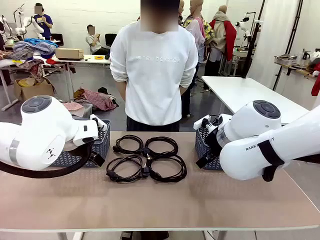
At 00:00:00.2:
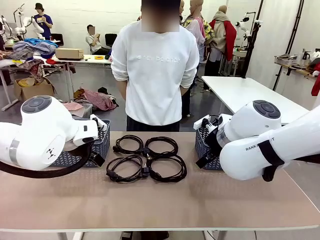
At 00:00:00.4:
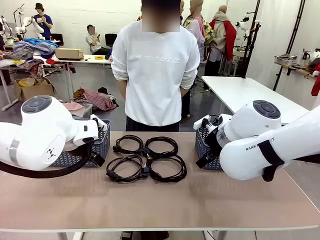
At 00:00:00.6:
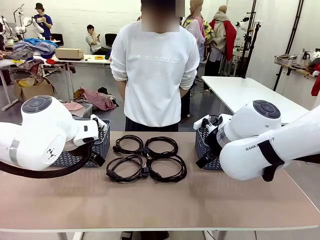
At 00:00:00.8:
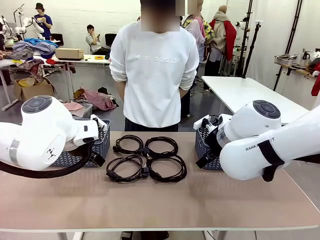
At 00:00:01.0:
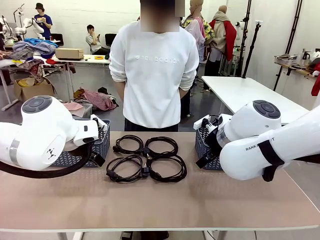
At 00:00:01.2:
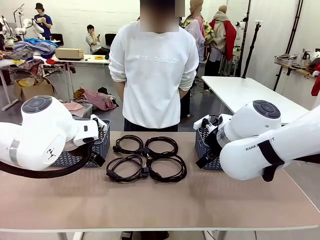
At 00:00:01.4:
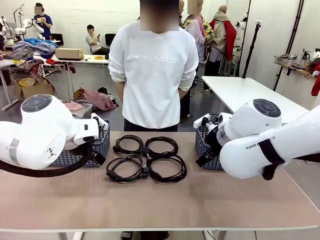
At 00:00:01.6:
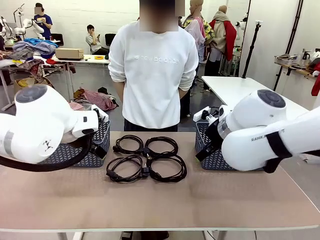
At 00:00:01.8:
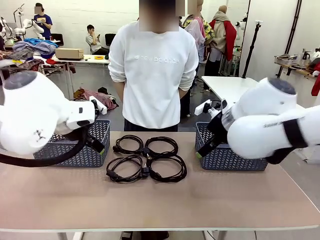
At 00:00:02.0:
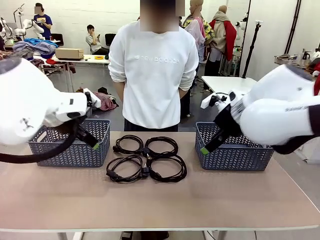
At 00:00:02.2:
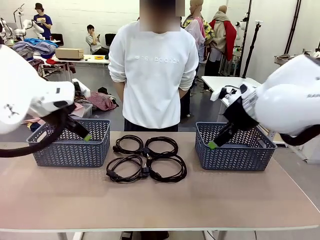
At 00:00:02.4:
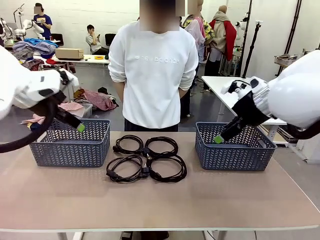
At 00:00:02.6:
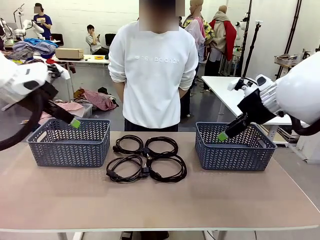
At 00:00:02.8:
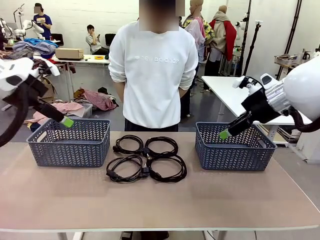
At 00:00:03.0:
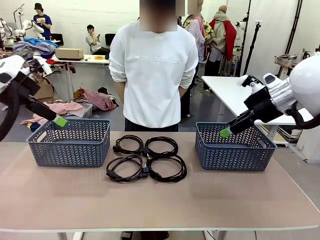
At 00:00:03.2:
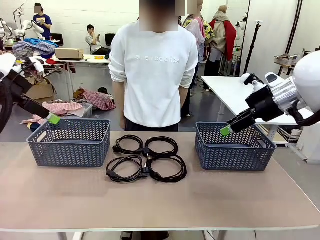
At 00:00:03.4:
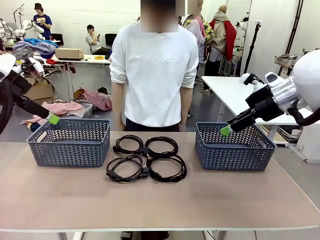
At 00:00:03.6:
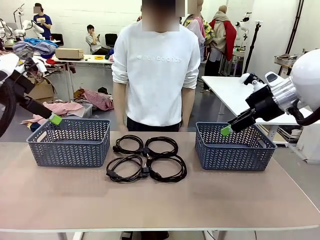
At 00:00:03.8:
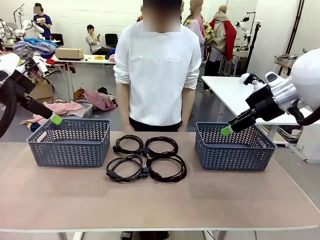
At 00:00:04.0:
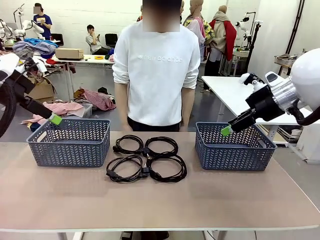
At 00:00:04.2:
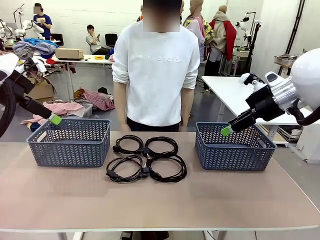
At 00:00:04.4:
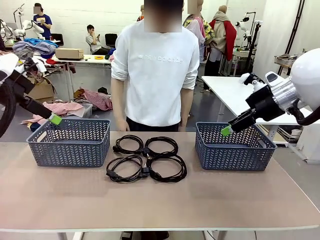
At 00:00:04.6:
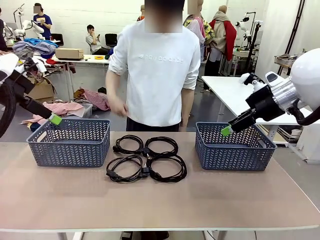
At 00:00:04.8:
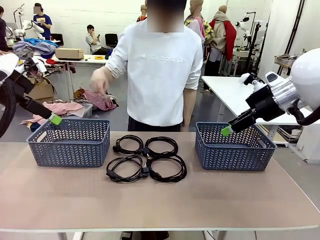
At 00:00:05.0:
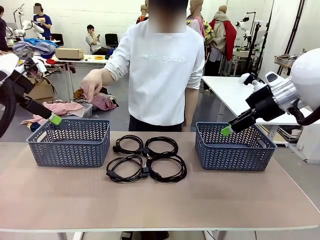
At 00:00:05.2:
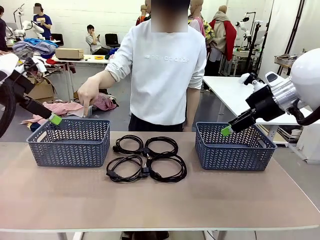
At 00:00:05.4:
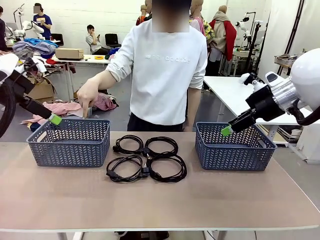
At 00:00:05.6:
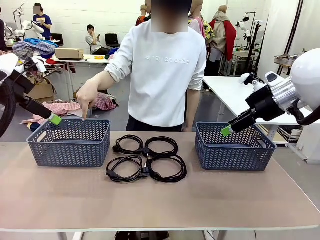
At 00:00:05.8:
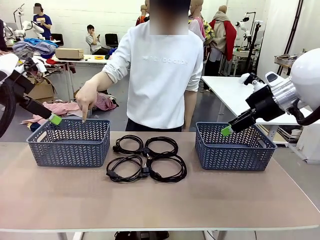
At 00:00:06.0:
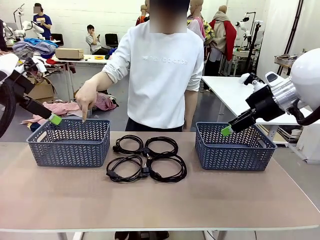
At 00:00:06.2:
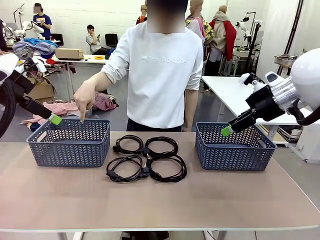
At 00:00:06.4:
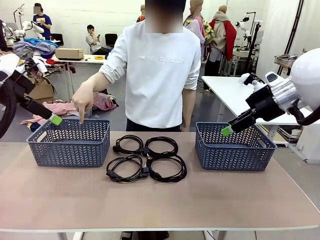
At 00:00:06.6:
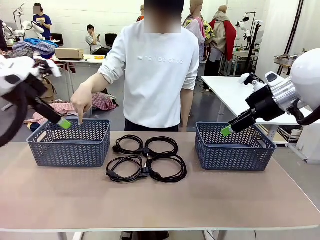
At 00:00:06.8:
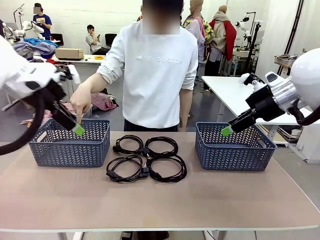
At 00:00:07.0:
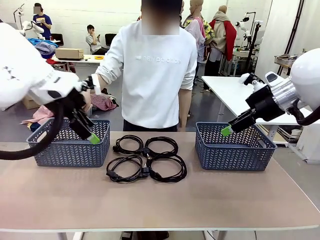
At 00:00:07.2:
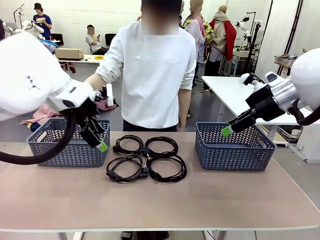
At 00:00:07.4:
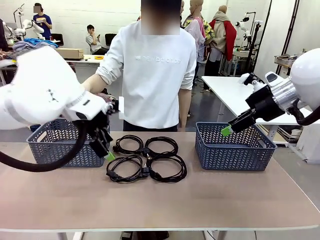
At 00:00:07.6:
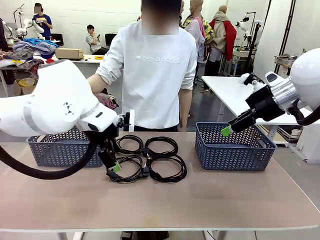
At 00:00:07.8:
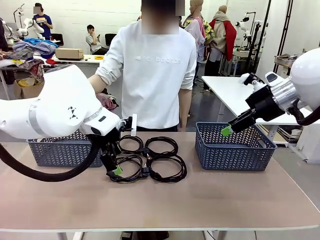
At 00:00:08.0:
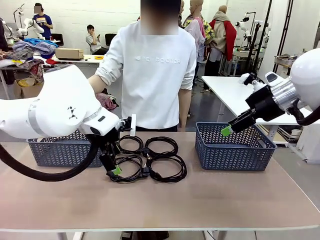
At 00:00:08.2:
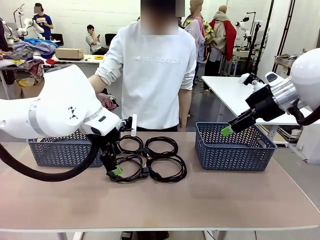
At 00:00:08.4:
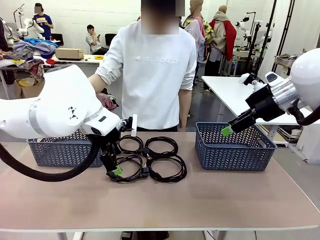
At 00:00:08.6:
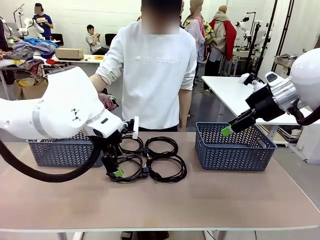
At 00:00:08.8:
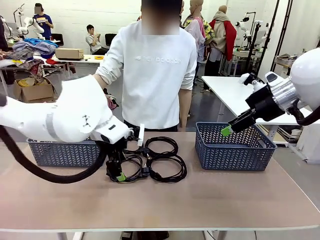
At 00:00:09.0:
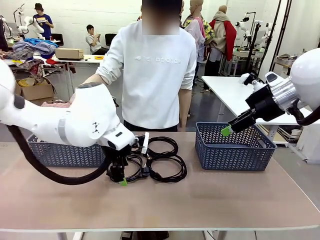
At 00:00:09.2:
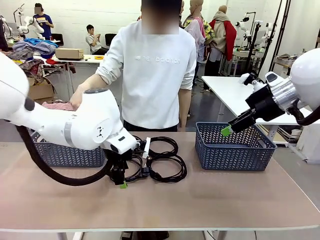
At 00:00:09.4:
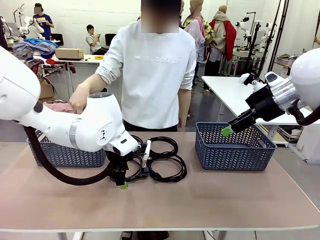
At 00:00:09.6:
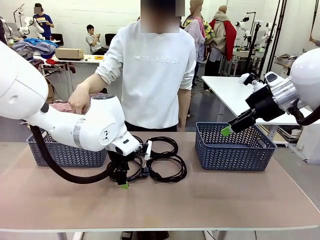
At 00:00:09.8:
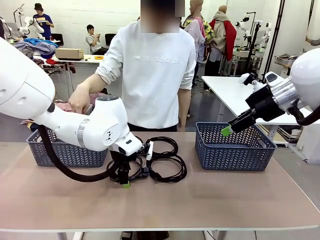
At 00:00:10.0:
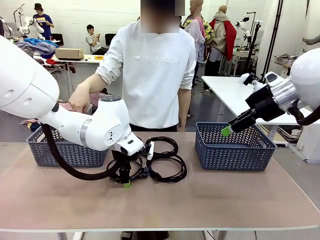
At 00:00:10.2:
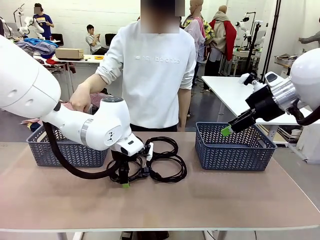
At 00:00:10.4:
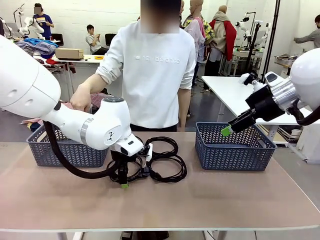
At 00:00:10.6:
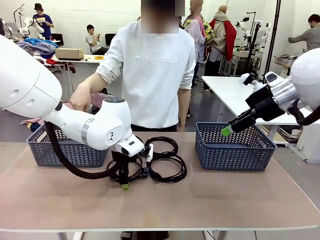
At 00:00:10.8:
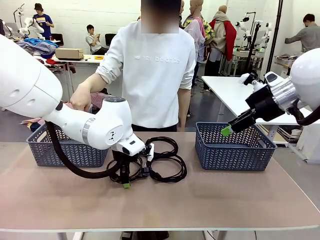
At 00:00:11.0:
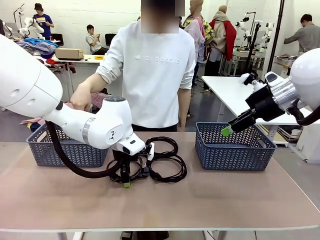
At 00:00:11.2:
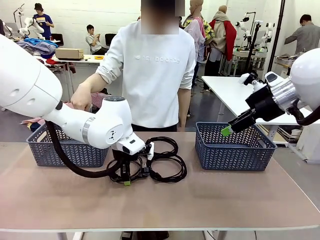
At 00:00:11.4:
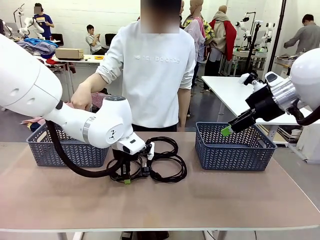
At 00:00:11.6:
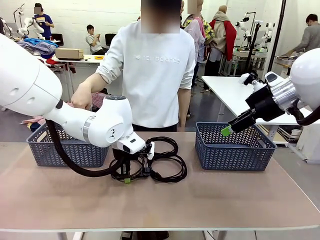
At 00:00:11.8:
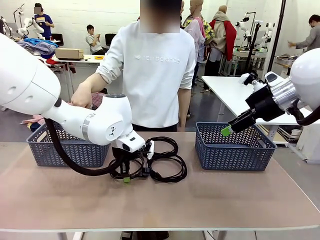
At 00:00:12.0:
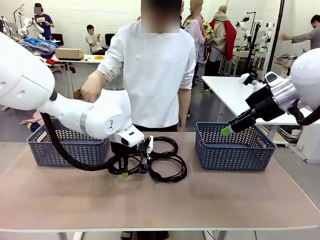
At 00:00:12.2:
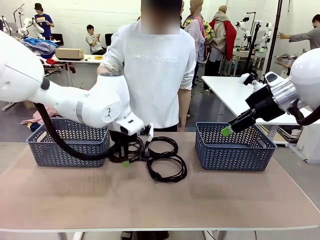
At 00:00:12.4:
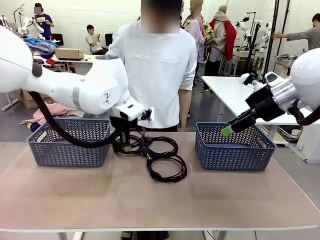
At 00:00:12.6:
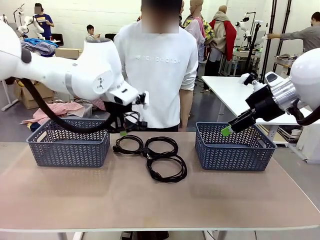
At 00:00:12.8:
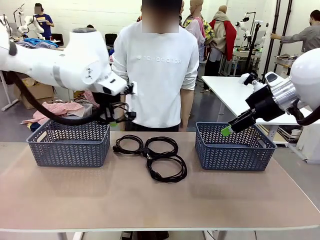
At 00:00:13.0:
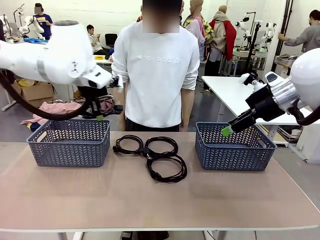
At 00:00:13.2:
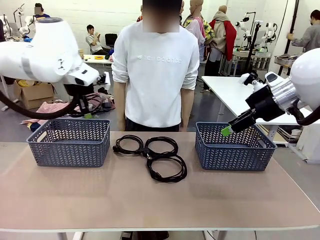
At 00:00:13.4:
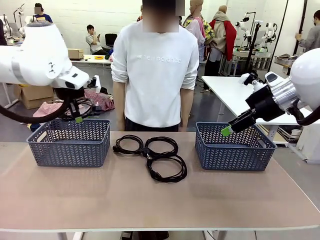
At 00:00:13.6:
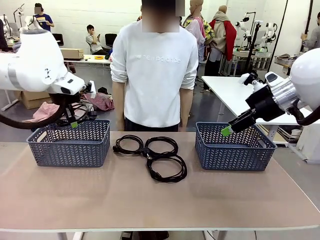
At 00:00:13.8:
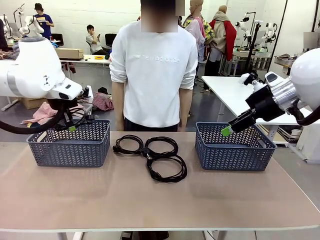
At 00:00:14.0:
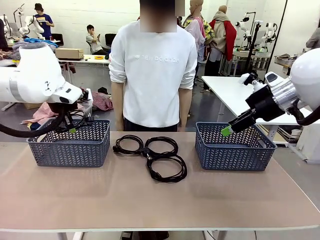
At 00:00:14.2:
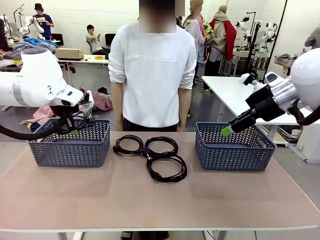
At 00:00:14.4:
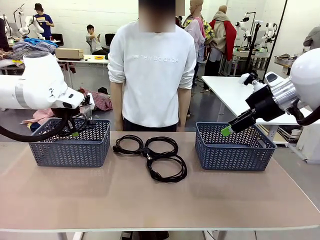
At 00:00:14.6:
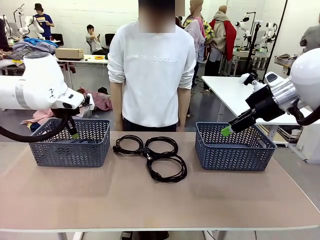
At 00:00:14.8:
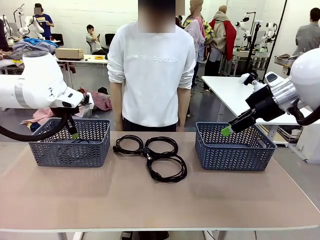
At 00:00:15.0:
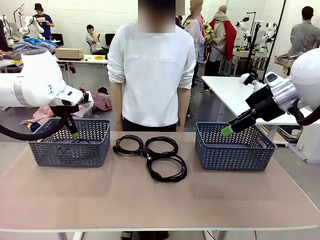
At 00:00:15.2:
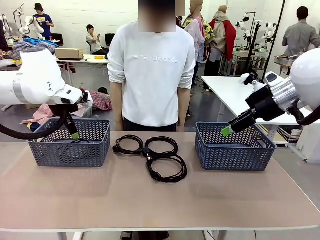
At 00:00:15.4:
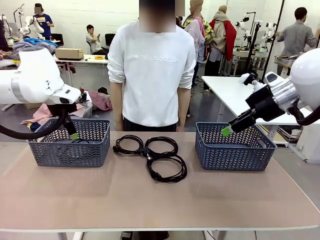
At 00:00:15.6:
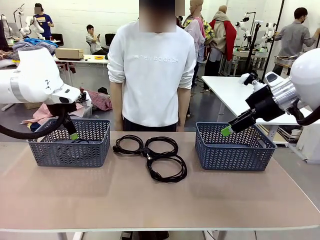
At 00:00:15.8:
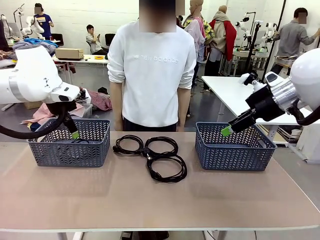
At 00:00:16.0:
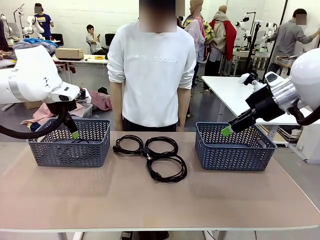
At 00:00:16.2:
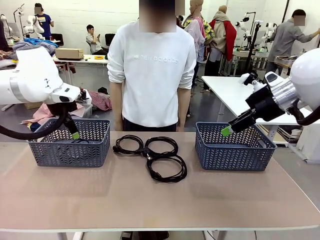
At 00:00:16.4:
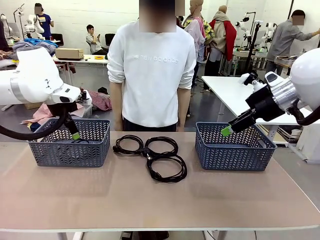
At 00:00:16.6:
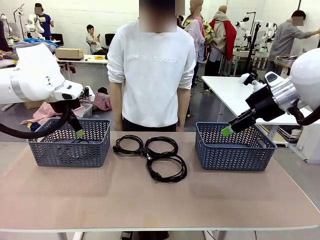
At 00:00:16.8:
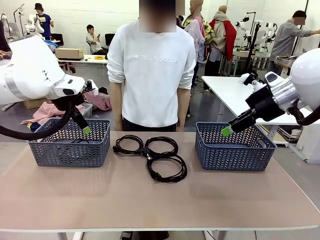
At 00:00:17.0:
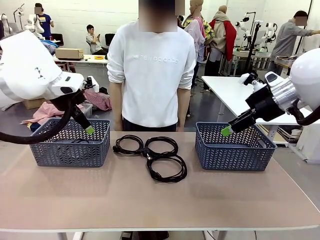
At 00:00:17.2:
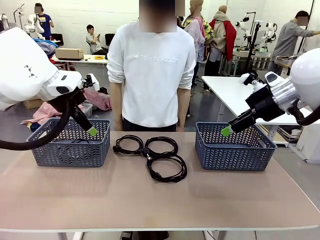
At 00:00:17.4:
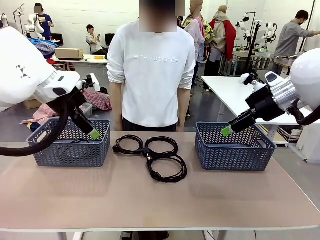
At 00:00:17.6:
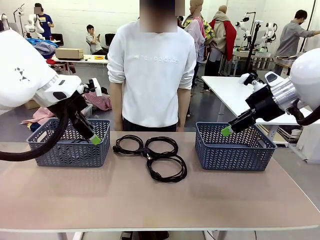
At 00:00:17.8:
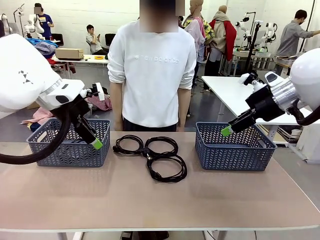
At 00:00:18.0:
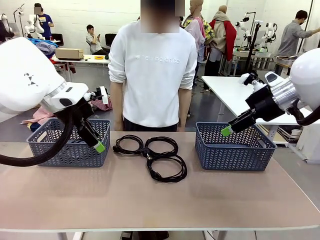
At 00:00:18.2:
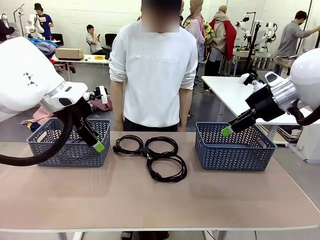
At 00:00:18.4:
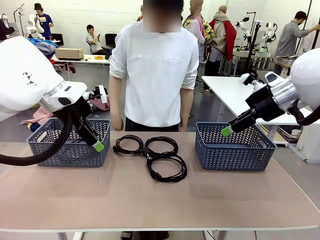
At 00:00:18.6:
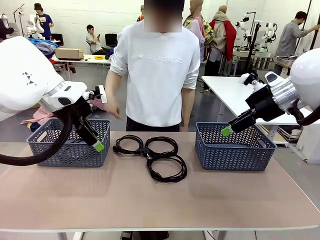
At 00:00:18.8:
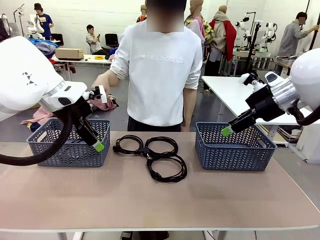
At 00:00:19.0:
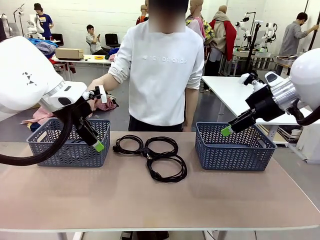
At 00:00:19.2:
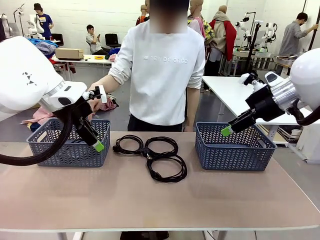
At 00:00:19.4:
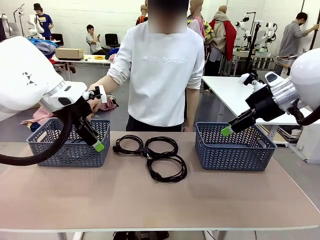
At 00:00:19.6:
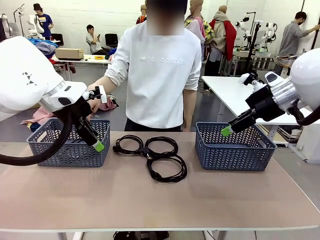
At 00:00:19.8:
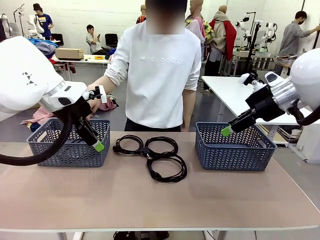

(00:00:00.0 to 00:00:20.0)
Task: Organize the cables according to human instructions.
Robot: Pick up a bundle of cables and place it in the basket indicated by the human.
